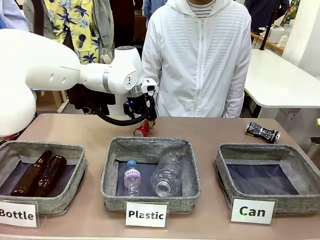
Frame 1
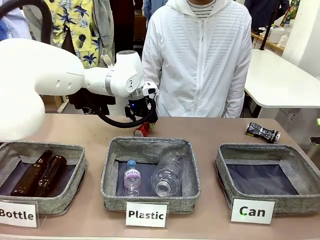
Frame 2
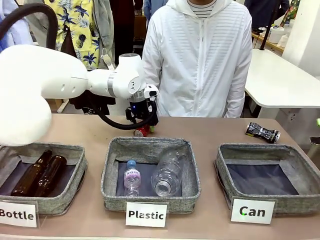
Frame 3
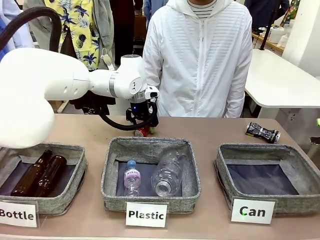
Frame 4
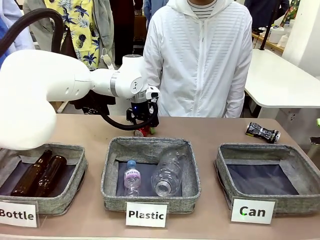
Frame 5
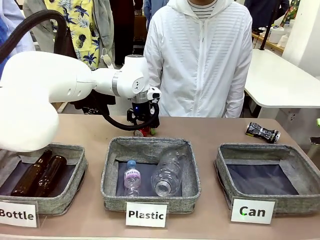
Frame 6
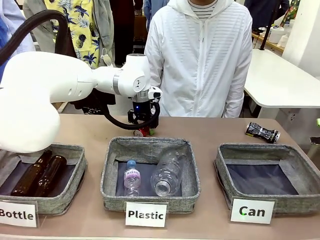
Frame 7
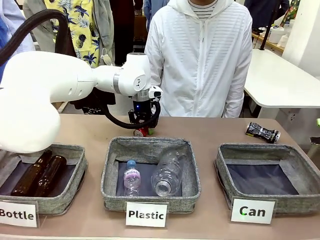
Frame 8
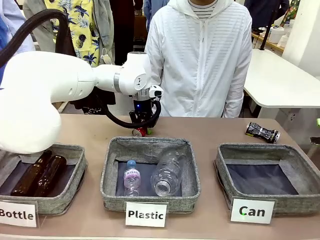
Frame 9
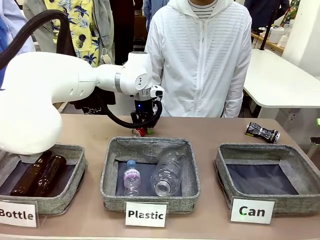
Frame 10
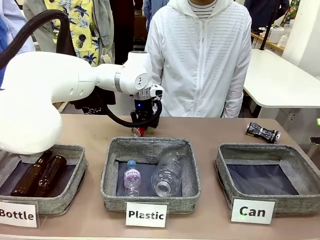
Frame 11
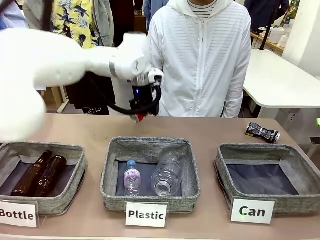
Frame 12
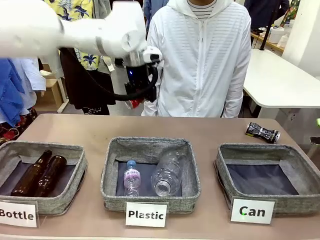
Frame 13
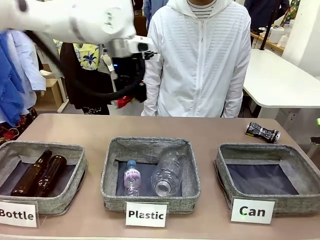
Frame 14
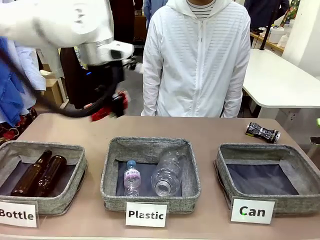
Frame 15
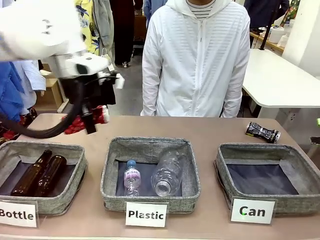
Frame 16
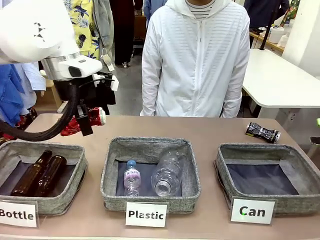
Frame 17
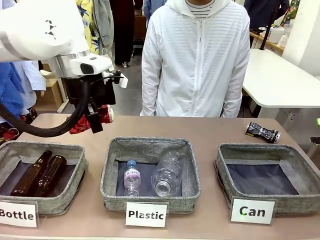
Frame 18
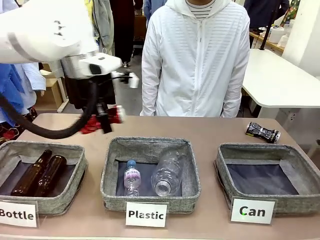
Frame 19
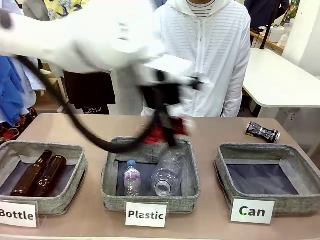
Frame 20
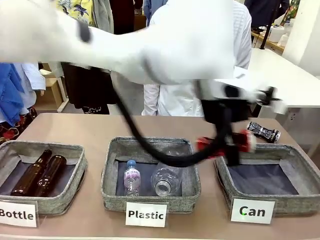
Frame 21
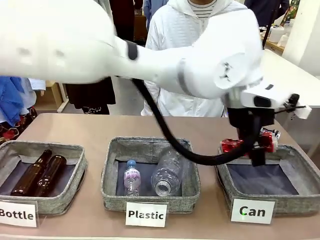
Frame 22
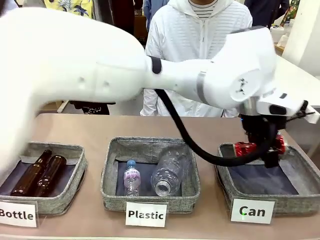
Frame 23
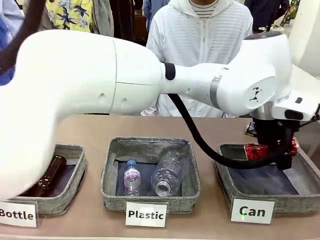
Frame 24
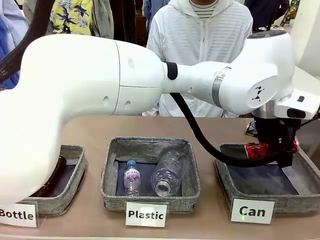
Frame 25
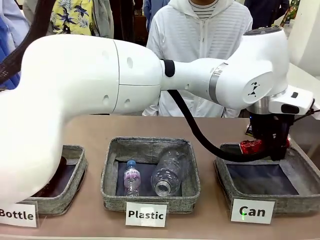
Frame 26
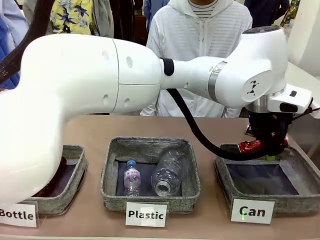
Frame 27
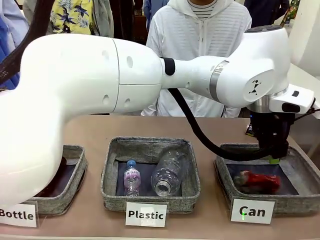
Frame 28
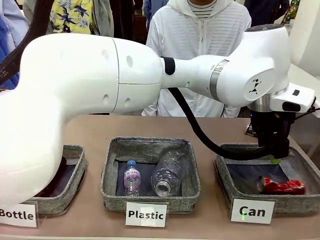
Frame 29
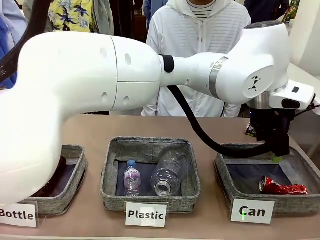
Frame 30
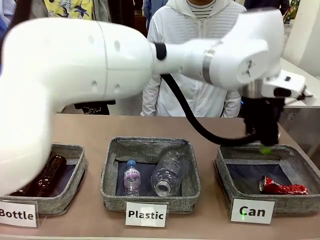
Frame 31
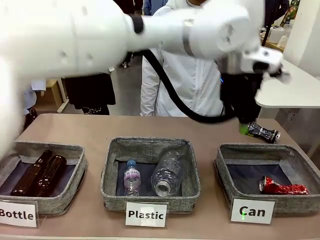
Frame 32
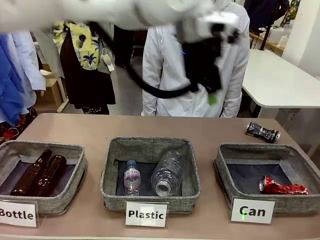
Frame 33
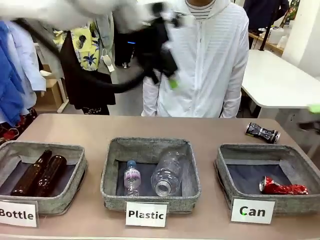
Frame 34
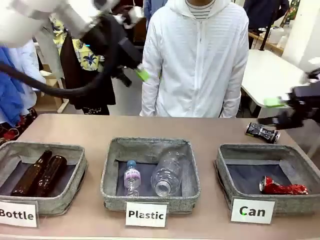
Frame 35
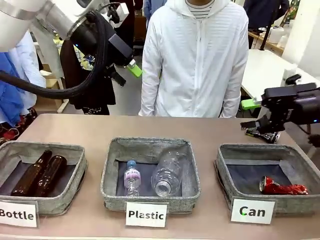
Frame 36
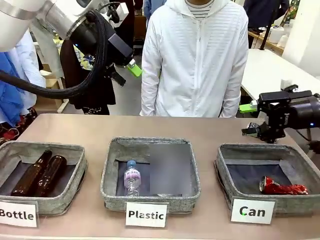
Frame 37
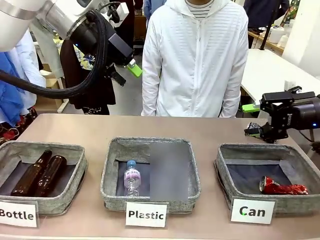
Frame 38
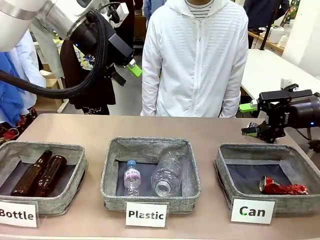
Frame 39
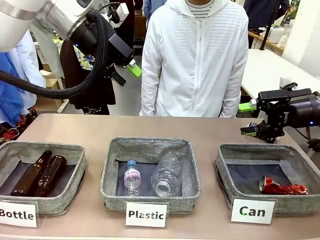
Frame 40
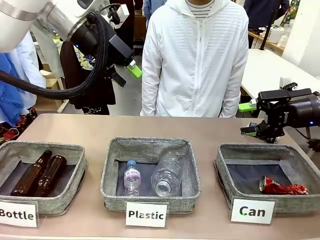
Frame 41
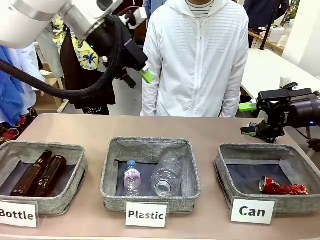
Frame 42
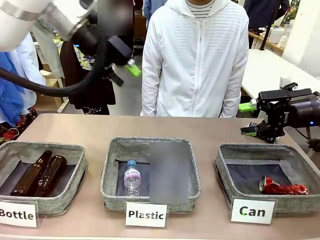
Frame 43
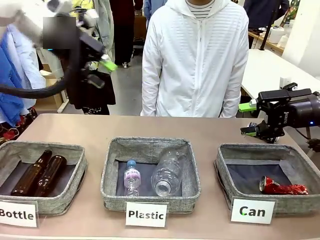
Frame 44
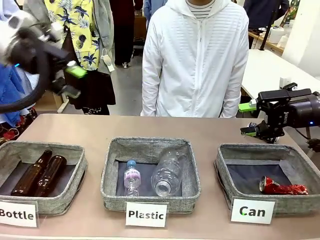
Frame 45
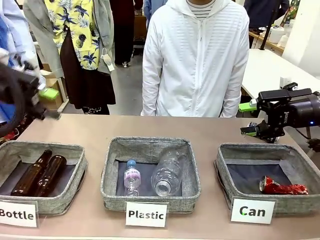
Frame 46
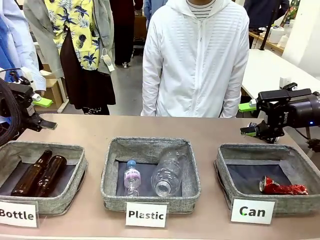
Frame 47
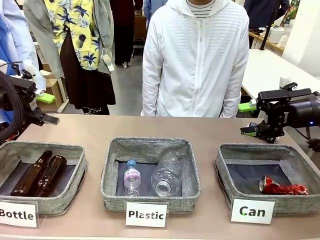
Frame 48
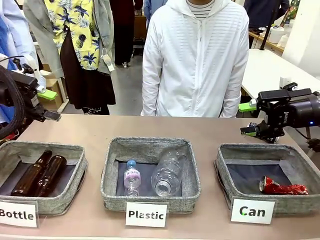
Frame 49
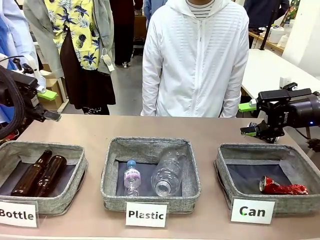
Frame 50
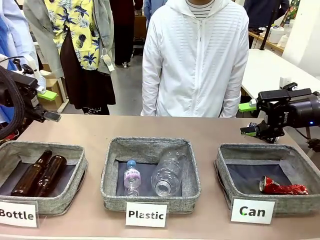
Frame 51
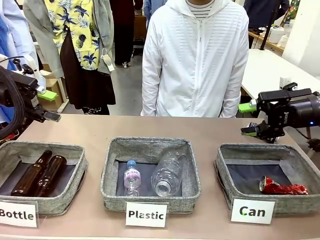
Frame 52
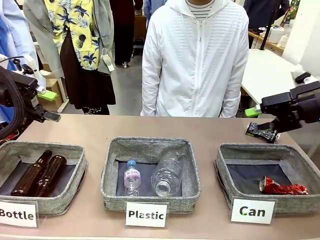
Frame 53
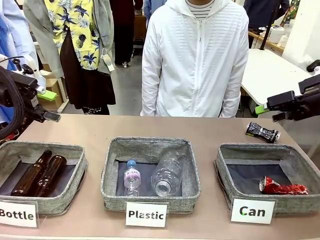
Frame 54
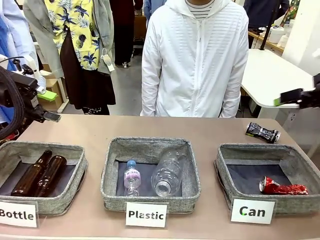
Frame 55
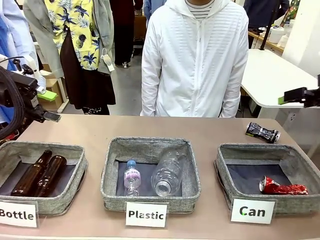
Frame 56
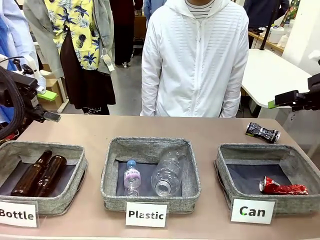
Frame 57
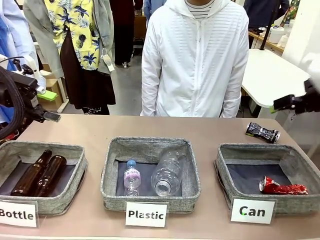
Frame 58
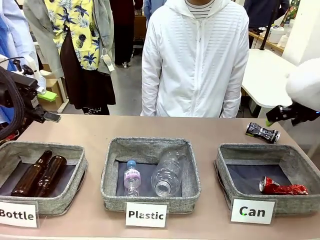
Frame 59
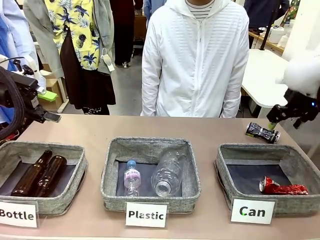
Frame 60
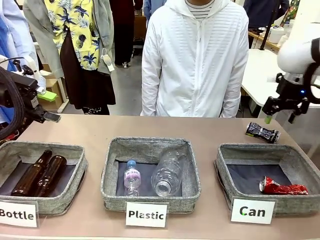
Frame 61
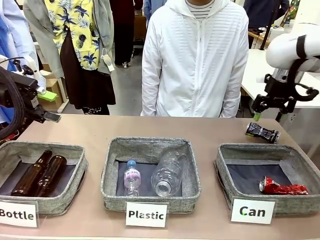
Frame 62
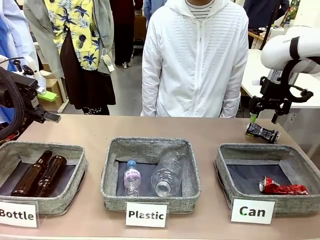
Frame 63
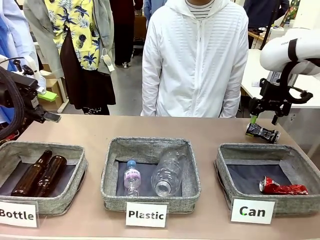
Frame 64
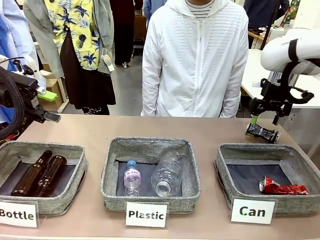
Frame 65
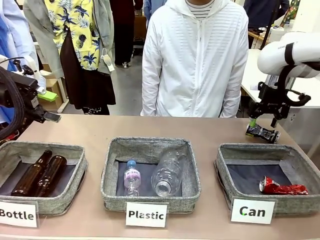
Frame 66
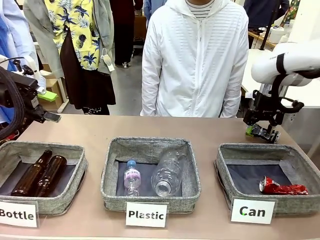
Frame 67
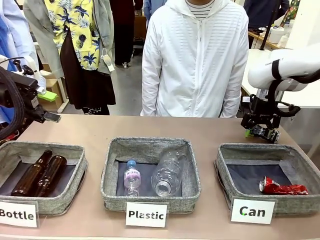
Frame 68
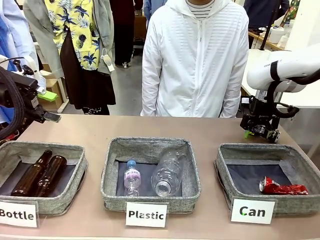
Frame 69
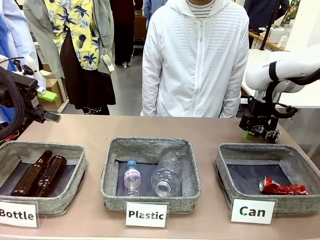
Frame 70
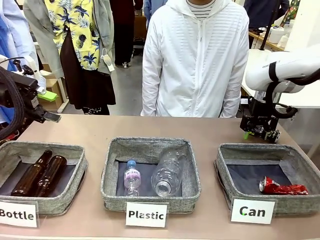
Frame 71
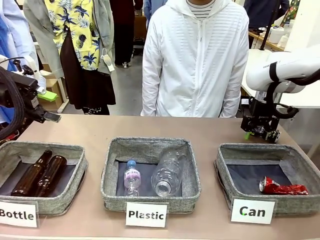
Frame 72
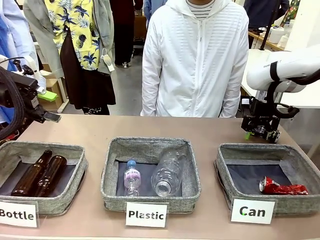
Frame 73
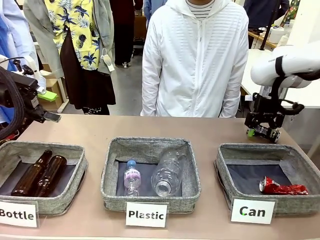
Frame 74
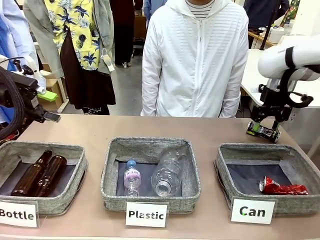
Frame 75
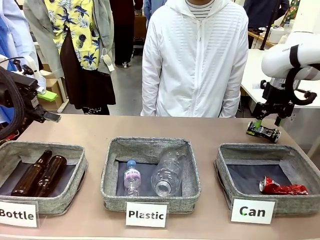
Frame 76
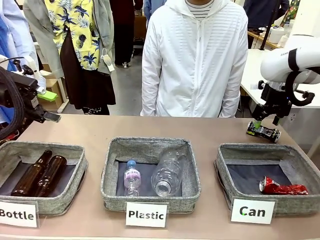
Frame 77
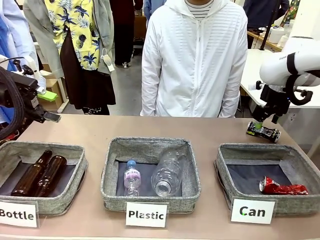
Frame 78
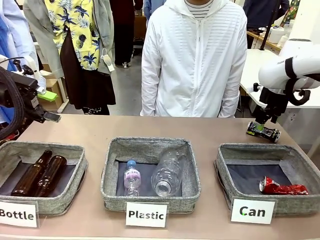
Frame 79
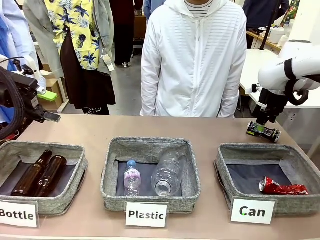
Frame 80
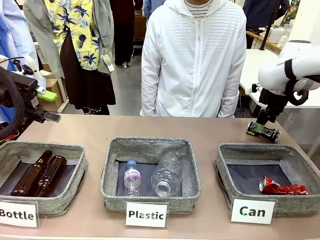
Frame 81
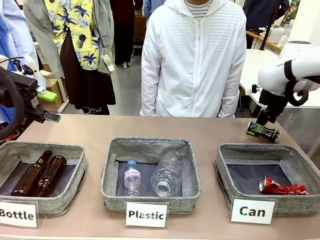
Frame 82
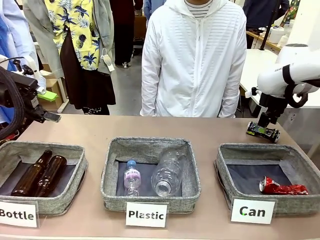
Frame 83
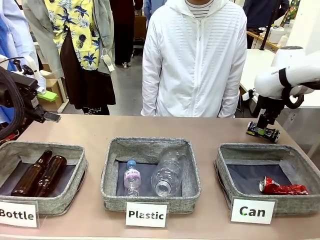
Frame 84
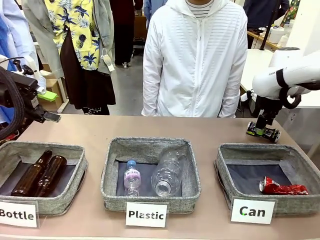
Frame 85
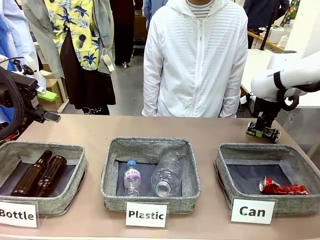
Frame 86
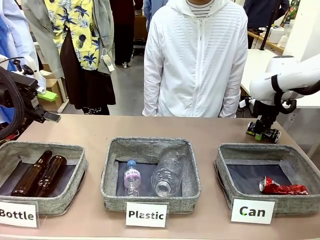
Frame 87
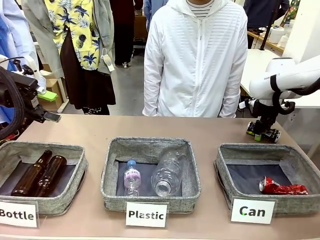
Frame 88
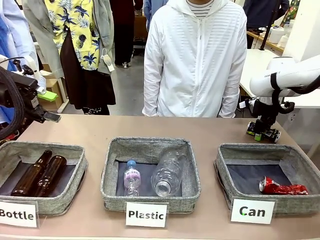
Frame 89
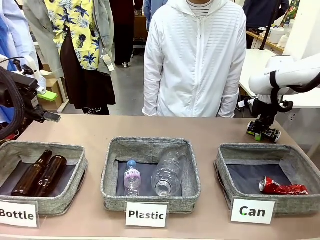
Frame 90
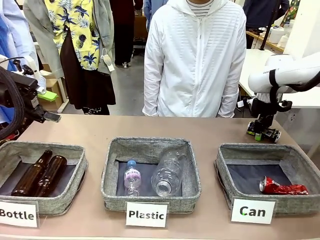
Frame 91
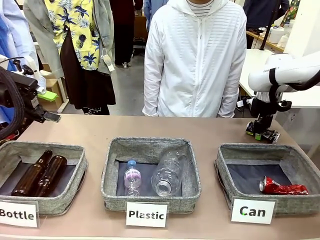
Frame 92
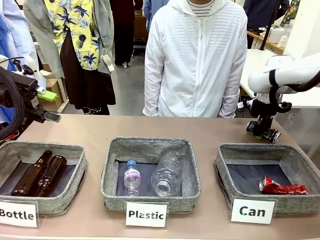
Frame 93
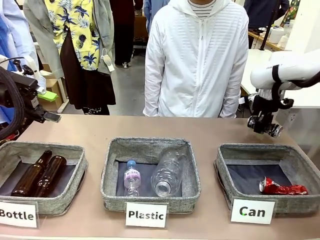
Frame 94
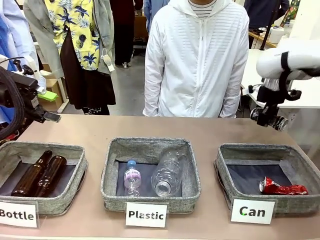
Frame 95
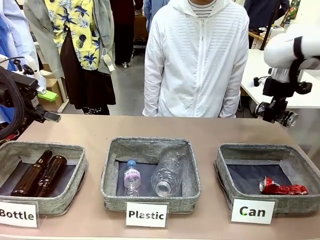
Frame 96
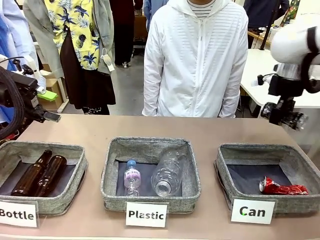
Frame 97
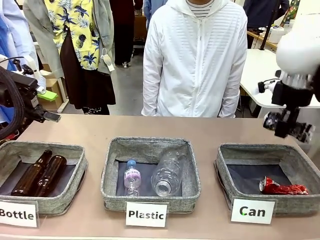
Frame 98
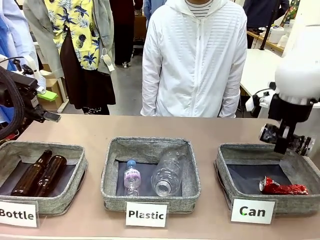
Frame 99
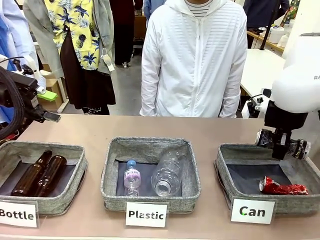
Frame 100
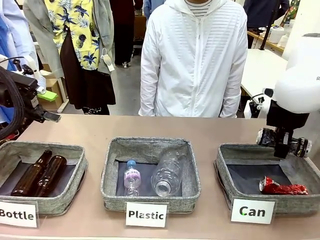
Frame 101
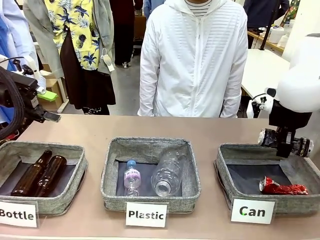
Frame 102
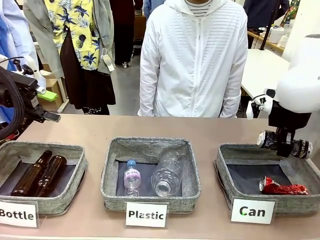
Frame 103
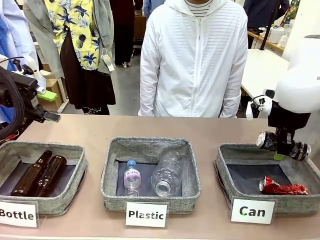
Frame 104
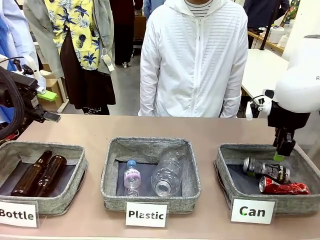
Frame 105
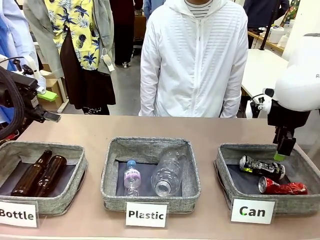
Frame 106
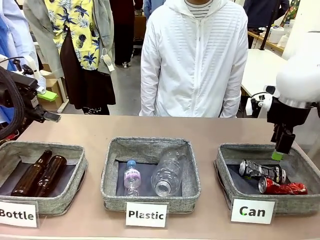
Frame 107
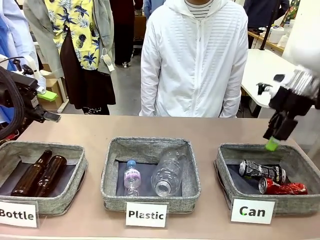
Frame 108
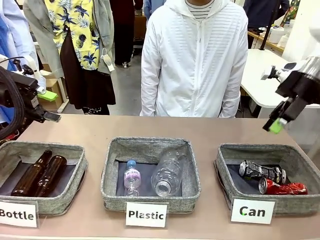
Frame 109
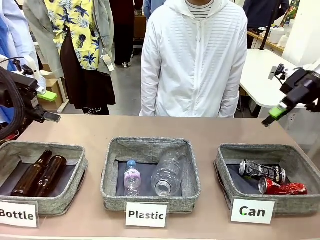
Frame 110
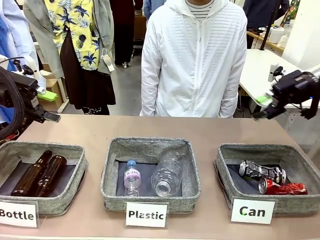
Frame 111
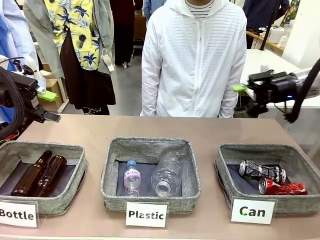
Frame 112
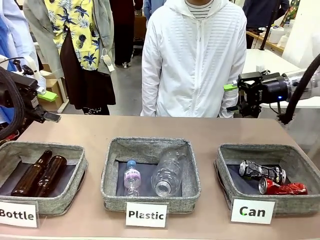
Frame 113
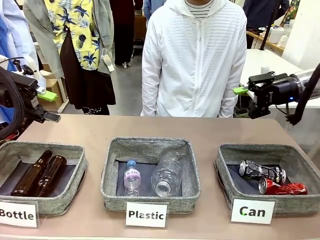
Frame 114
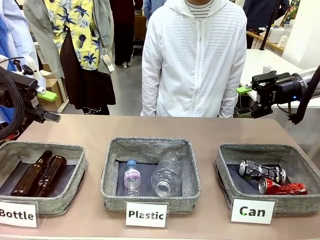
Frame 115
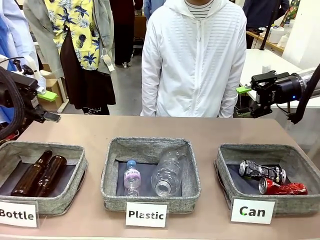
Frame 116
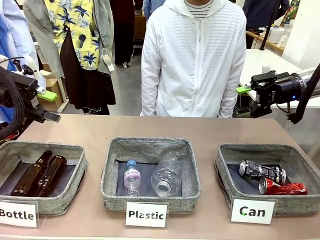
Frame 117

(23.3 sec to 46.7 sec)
Task: Sort the can waste into the basket.
Robot: Pick up the can waste from the table and place it in the right Fabric basket.
Person: The human picks up one piece of trash that is not a can and places the trash into the appropriate organizing basket.
